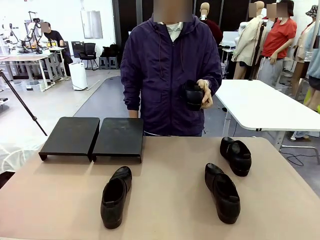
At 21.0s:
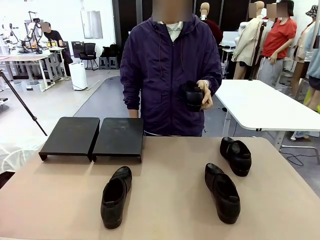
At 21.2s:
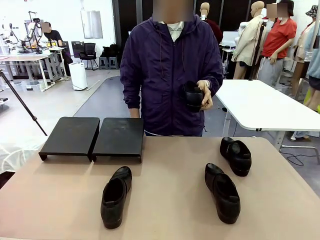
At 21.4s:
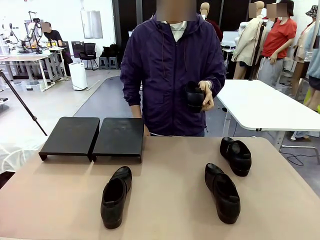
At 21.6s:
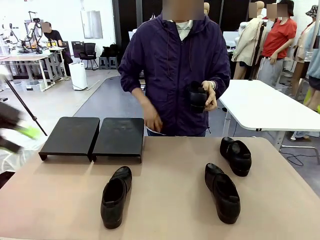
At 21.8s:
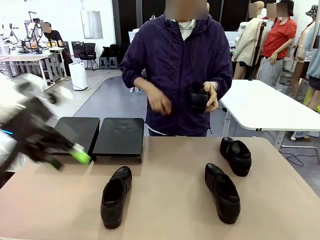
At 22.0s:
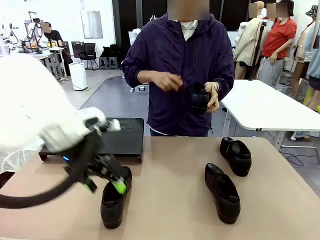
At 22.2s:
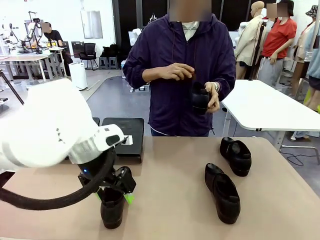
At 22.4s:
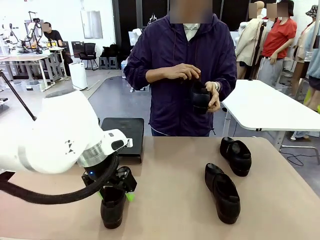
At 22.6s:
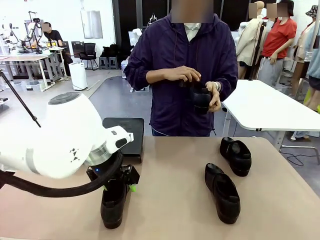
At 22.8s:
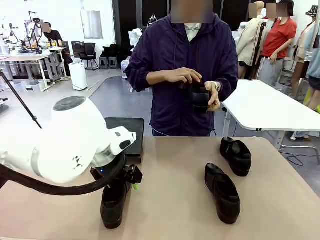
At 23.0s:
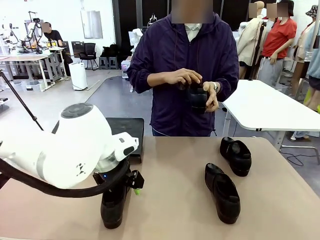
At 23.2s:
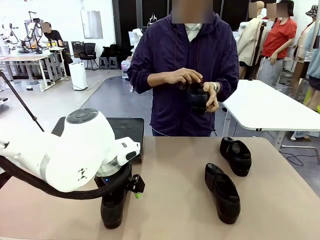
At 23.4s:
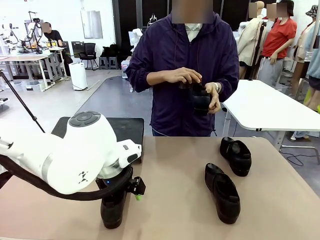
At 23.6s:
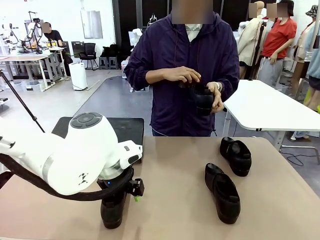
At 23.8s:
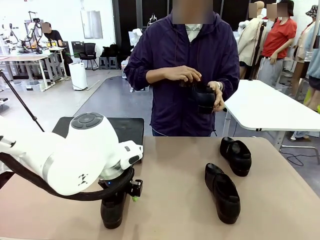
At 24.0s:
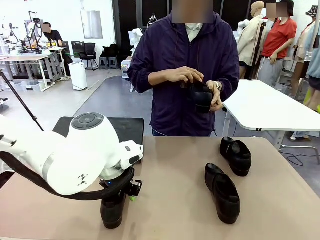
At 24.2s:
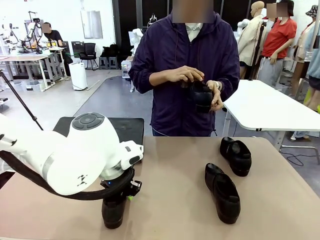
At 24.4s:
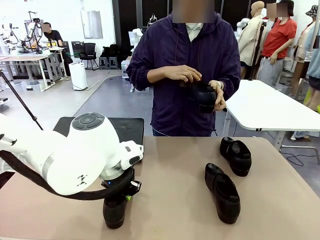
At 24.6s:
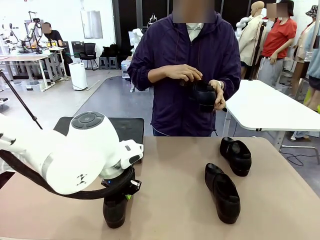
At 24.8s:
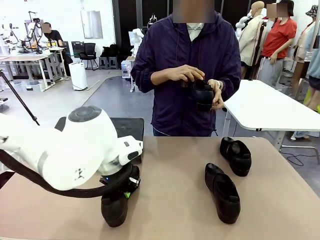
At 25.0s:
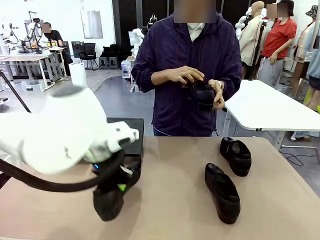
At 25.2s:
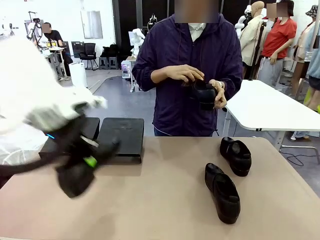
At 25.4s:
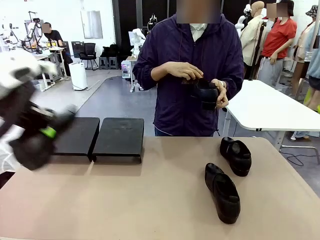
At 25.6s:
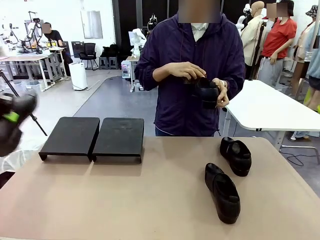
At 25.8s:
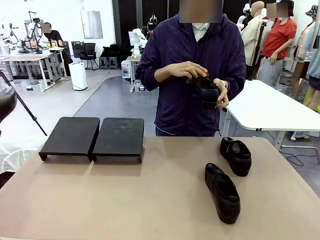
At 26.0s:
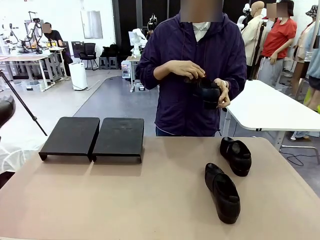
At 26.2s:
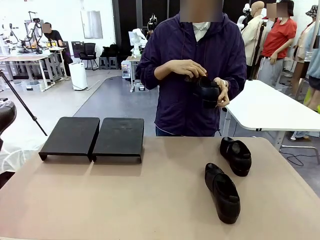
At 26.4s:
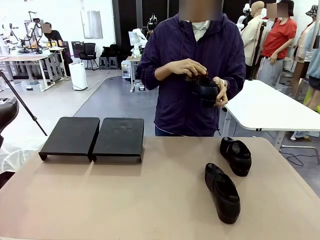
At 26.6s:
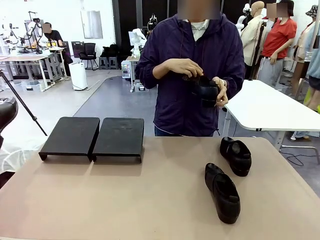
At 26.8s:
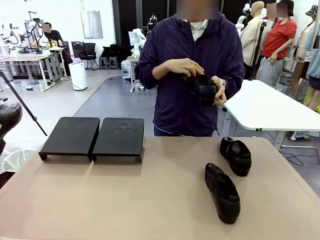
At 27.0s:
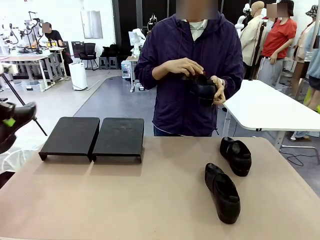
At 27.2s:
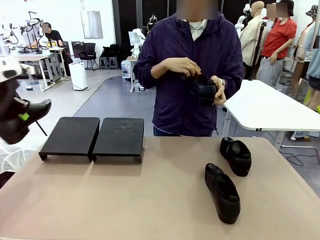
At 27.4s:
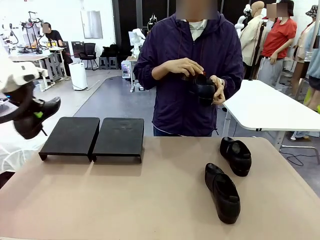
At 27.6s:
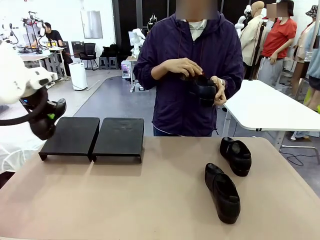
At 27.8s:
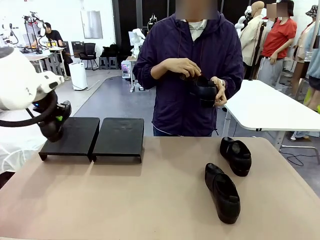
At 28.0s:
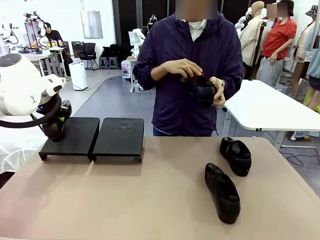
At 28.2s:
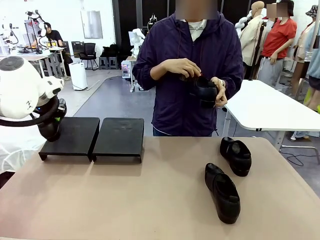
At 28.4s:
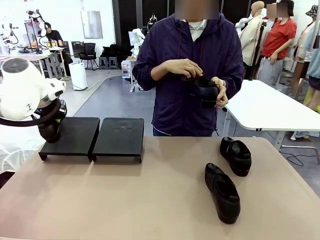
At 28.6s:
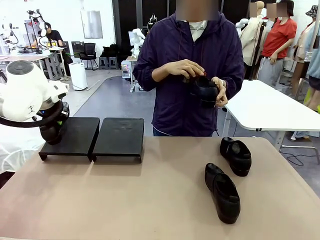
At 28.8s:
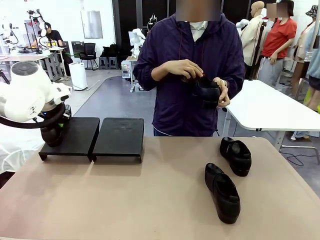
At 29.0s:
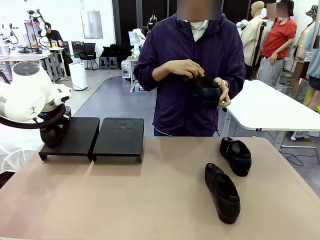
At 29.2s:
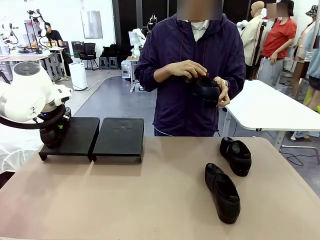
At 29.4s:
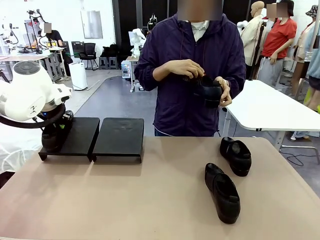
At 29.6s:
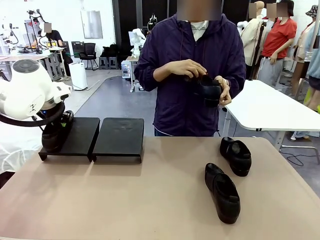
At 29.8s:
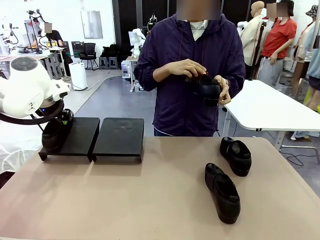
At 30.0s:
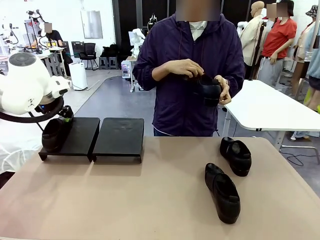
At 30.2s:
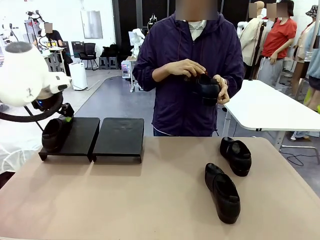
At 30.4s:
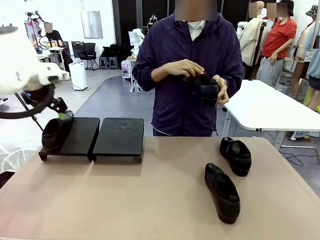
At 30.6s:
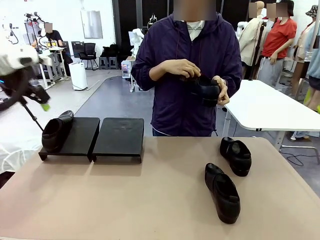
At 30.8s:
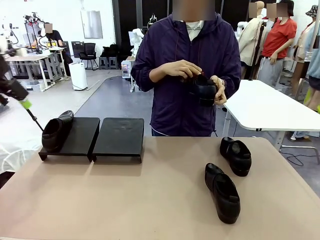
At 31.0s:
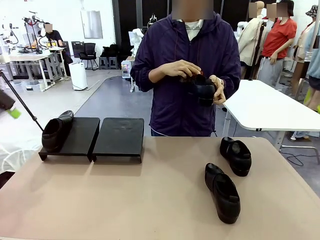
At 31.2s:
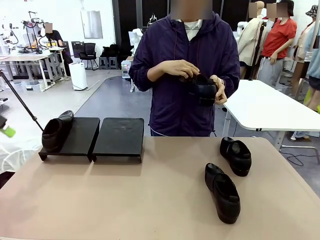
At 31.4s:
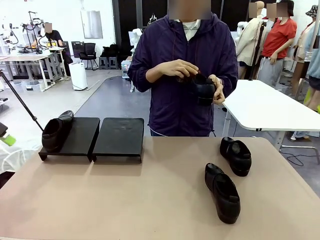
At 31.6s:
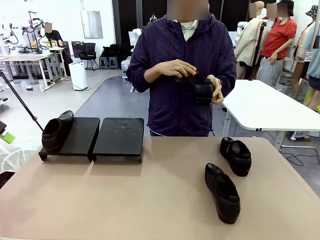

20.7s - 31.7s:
Task: Organize the shoes by placing them on the stand.
Robot: Place the Shoe from the middle of the table onto the Shoes Stand.
Person: Clean the Shoe with the Shoe Brush.

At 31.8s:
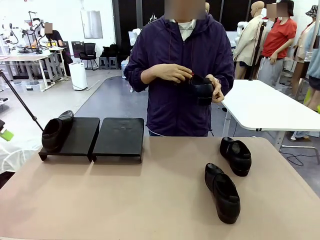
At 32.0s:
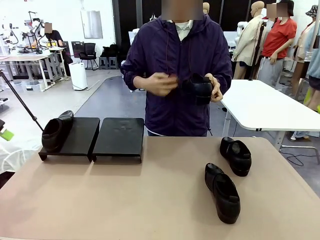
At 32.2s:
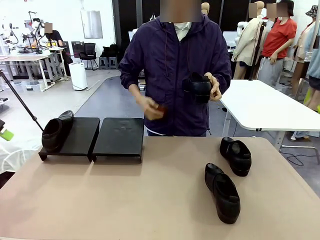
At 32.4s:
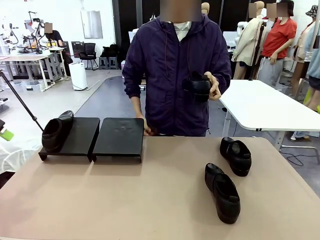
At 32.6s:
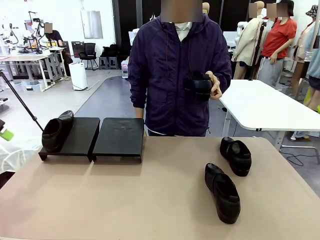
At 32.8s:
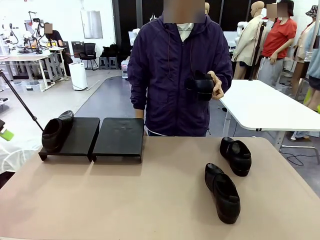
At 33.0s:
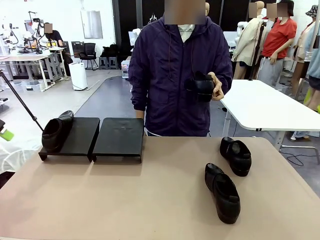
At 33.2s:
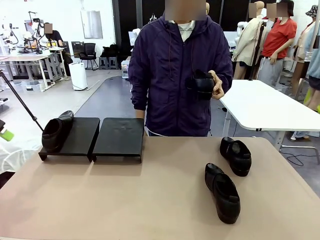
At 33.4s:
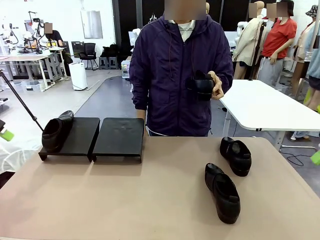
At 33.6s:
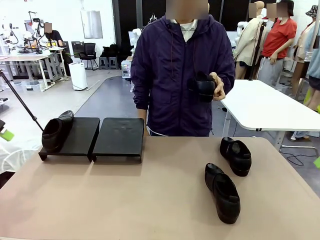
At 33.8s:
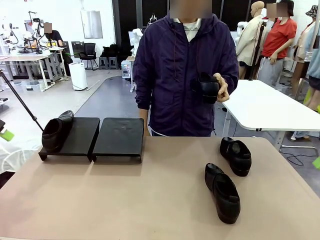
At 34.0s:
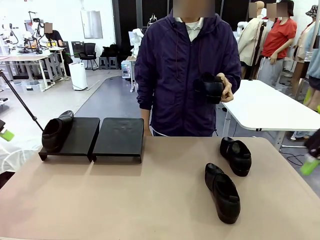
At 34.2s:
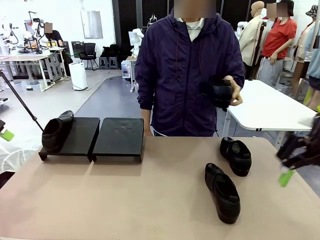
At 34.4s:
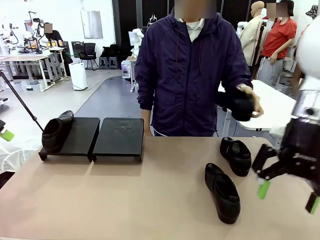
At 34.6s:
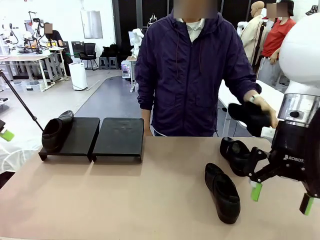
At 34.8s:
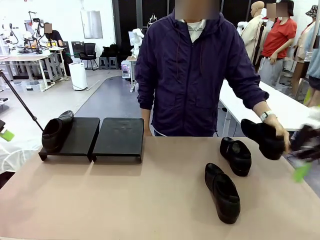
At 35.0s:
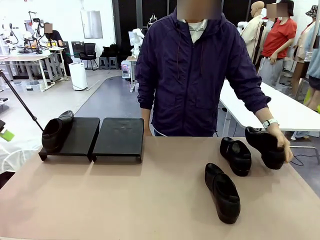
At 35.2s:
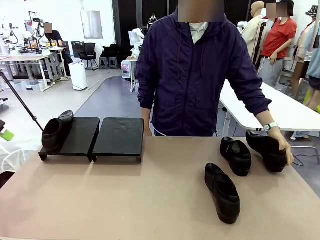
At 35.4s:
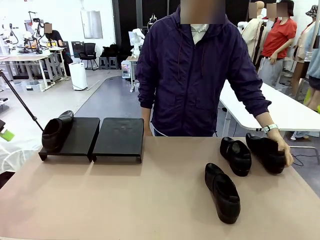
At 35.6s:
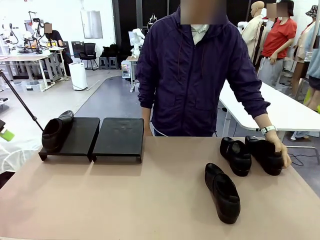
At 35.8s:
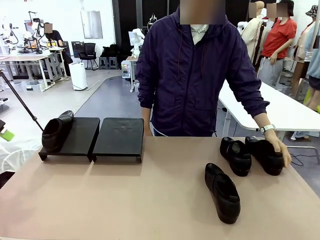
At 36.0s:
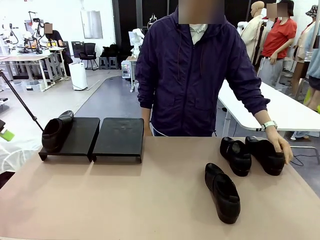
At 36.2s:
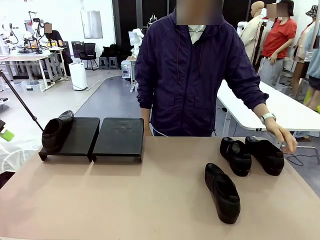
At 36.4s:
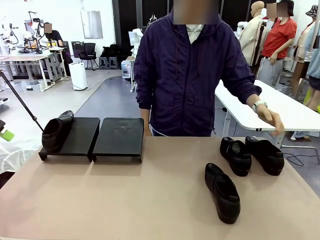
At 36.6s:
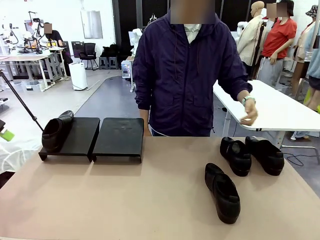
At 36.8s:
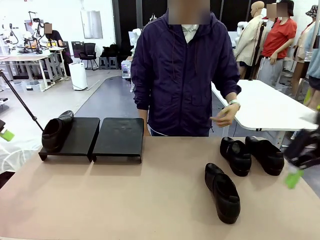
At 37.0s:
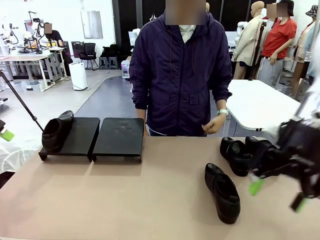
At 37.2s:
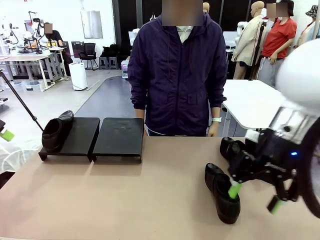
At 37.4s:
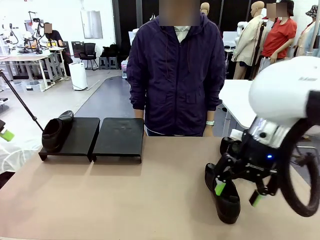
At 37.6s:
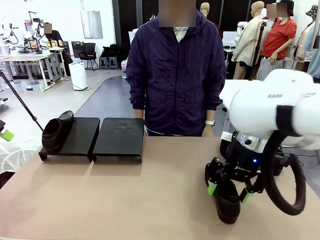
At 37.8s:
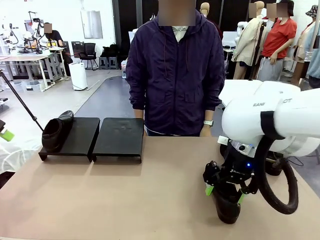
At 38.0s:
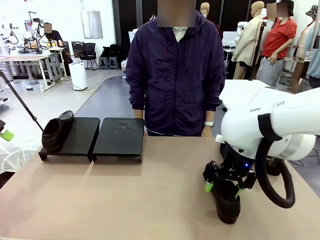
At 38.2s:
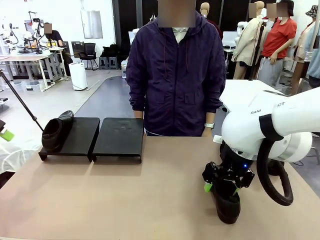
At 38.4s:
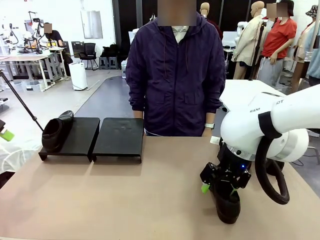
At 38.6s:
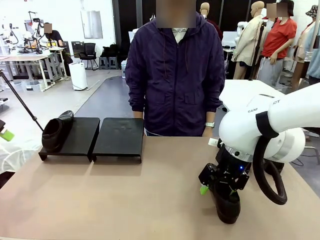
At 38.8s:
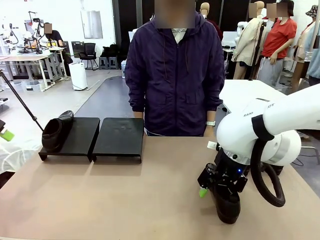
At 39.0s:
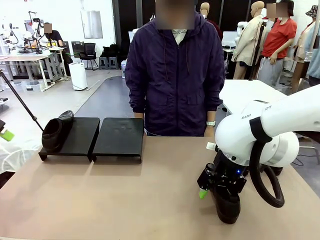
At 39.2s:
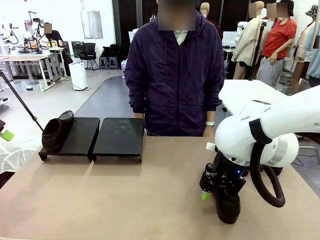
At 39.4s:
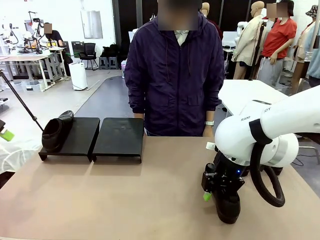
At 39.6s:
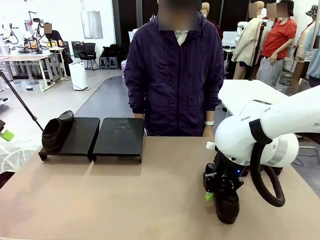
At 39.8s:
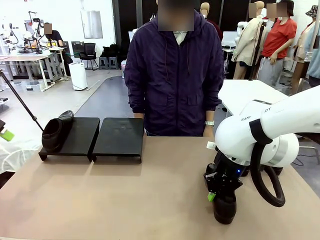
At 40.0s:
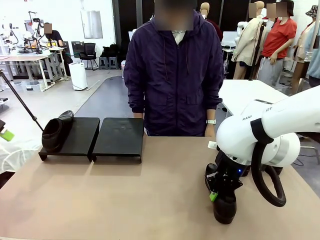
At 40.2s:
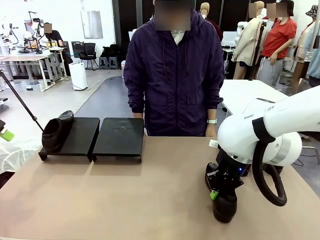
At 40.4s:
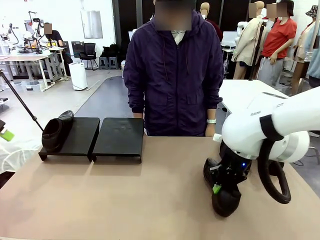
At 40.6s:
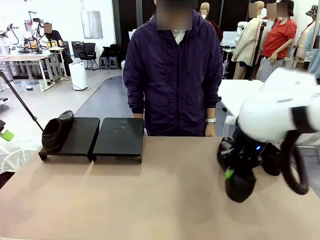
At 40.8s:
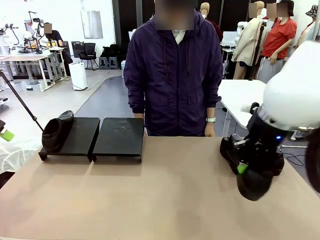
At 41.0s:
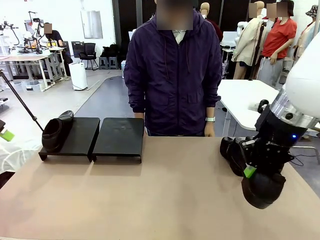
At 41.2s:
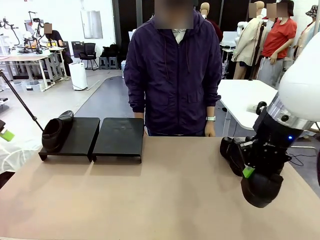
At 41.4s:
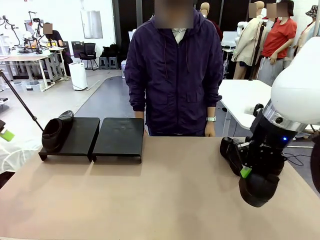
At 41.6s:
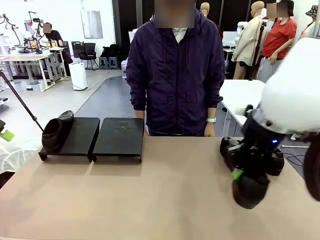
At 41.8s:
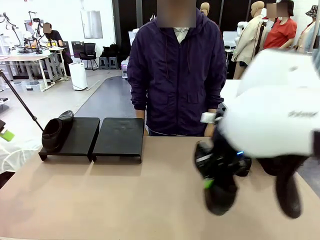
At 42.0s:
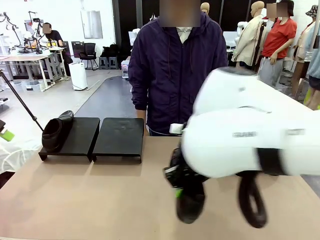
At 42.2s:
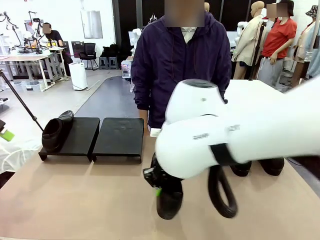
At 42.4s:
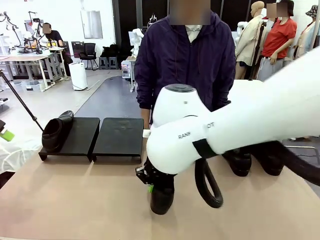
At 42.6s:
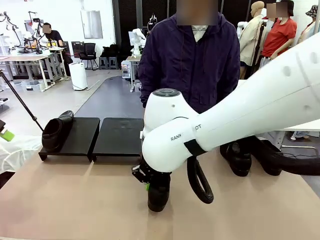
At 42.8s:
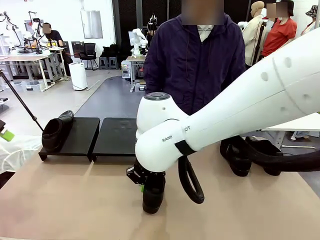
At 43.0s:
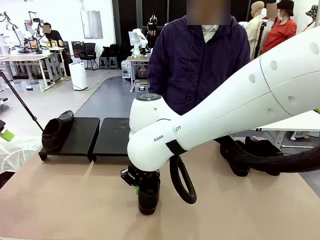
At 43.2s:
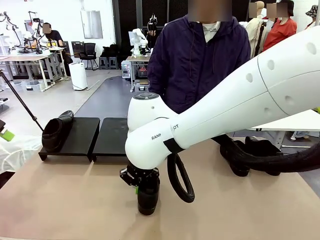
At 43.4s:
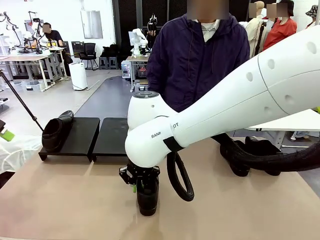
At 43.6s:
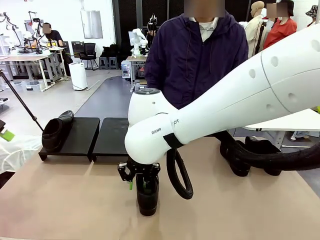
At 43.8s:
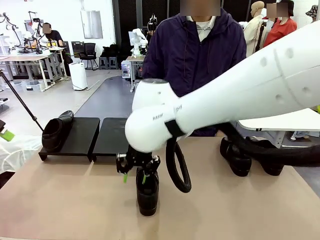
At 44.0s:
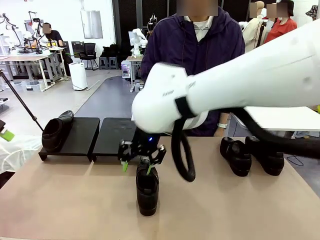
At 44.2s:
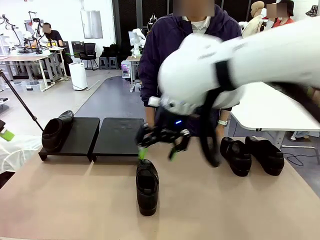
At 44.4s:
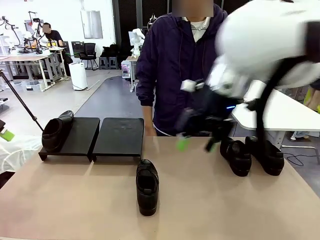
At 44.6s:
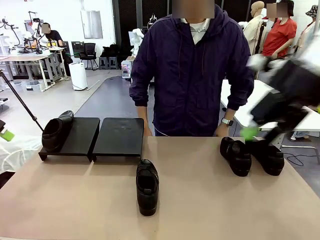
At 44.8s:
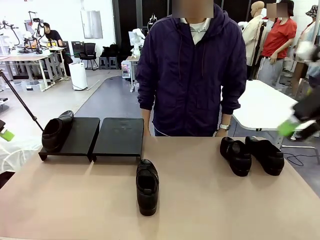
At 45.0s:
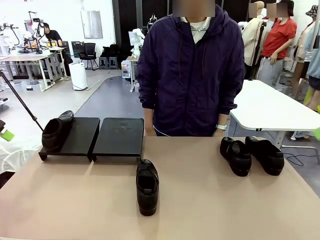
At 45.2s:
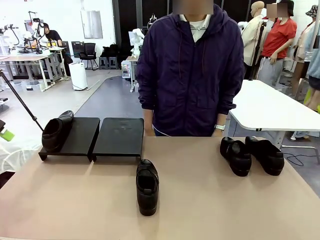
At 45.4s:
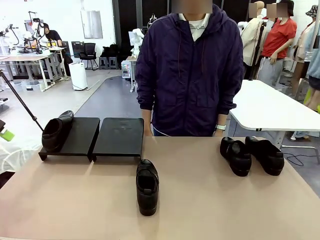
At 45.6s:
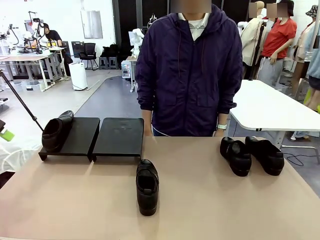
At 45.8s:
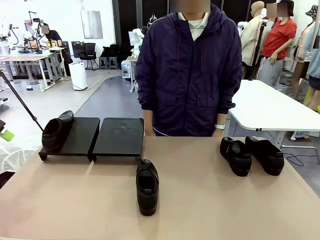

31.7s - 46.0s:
Robot: Pick up one Shoe and place it in the middle of the table.
